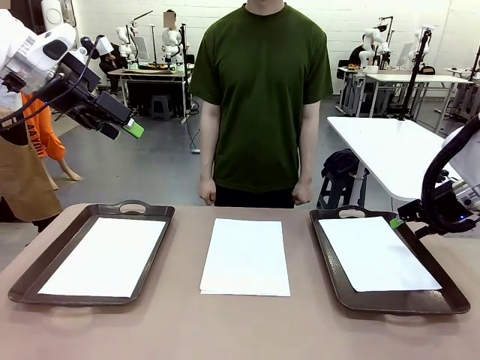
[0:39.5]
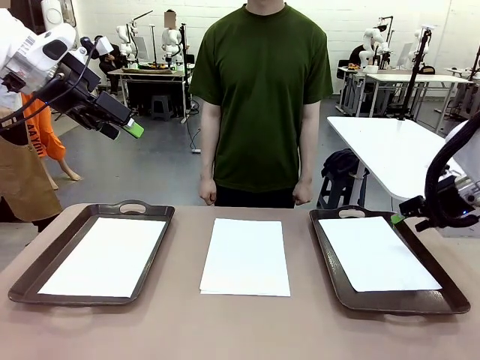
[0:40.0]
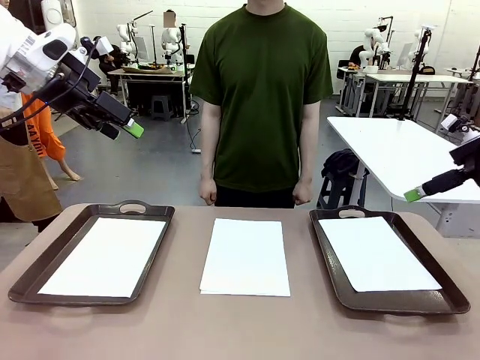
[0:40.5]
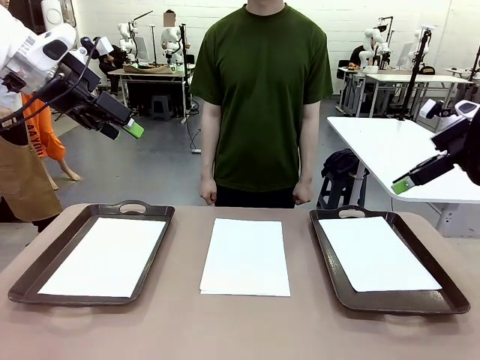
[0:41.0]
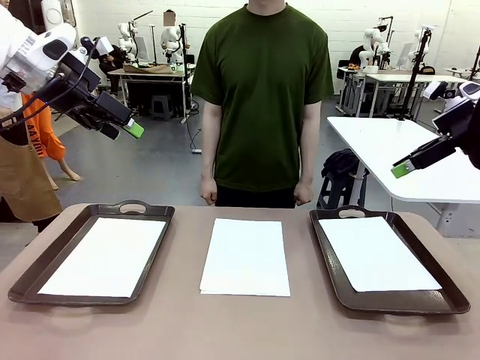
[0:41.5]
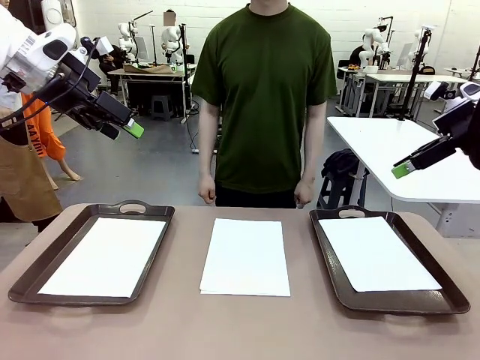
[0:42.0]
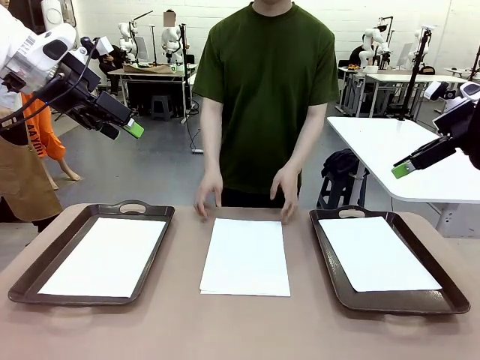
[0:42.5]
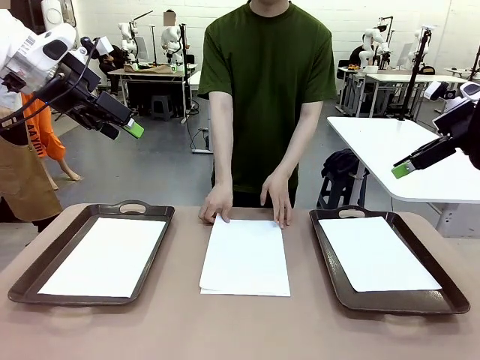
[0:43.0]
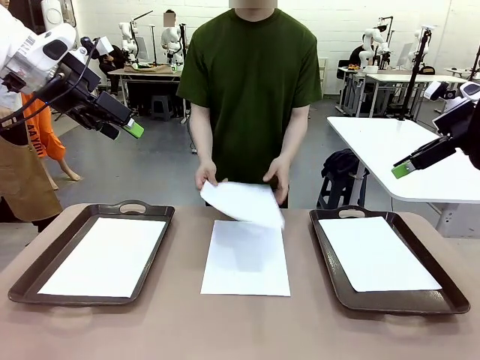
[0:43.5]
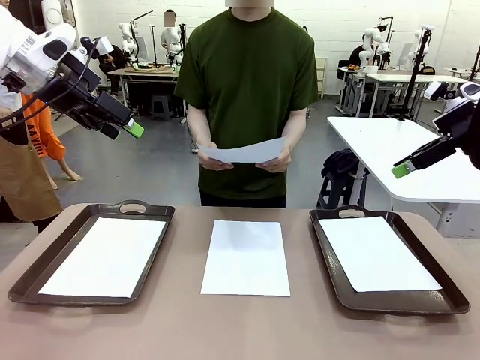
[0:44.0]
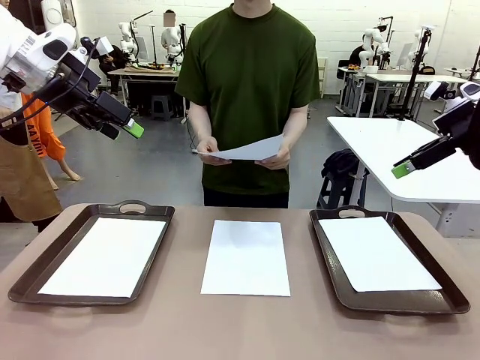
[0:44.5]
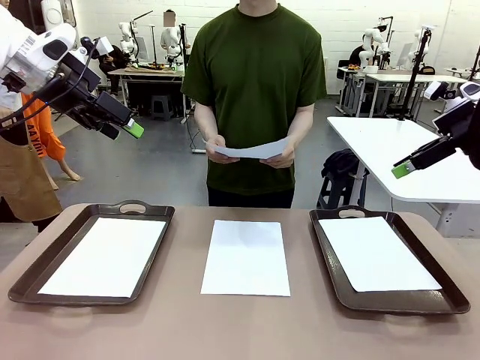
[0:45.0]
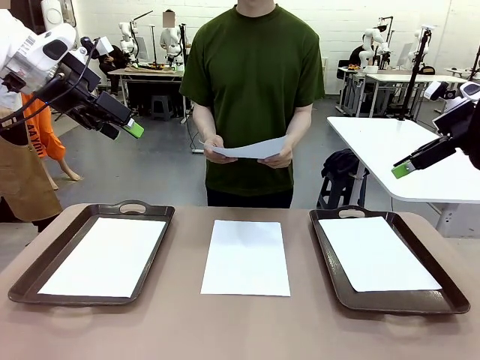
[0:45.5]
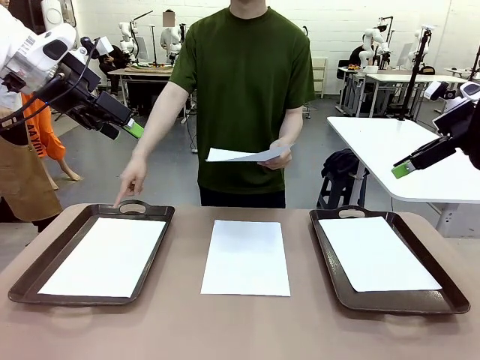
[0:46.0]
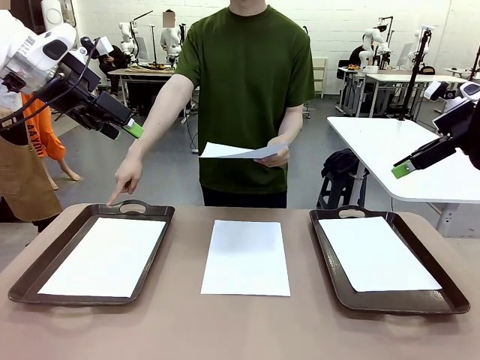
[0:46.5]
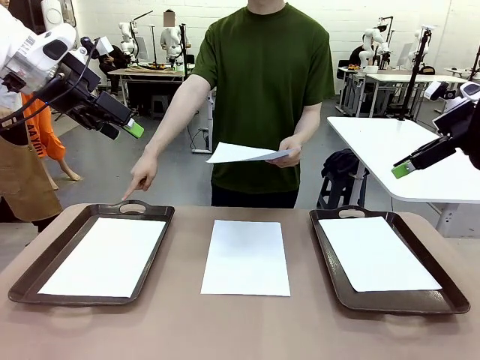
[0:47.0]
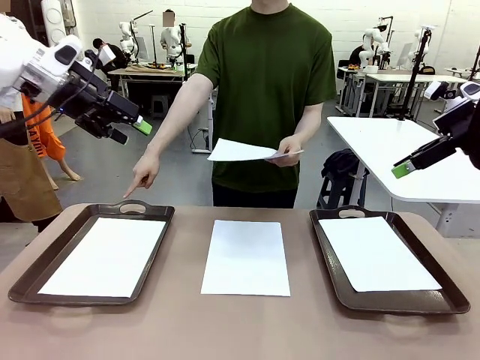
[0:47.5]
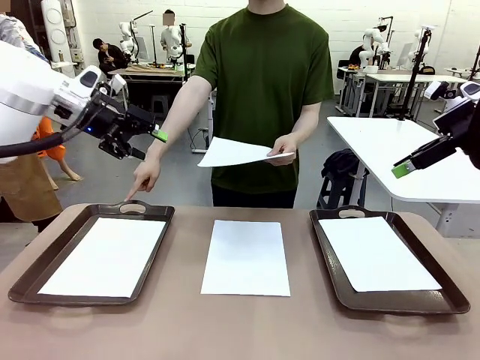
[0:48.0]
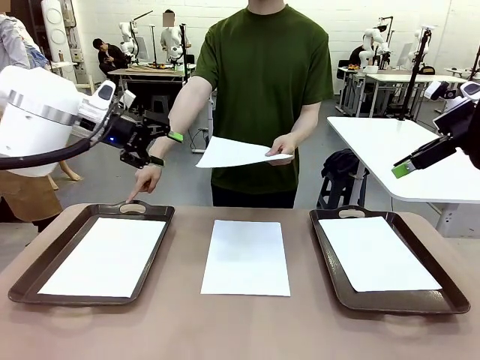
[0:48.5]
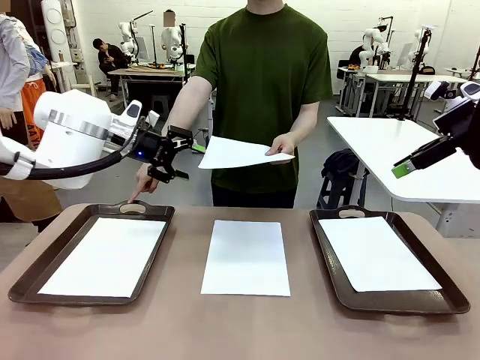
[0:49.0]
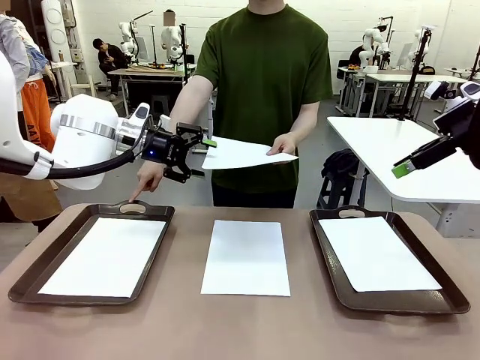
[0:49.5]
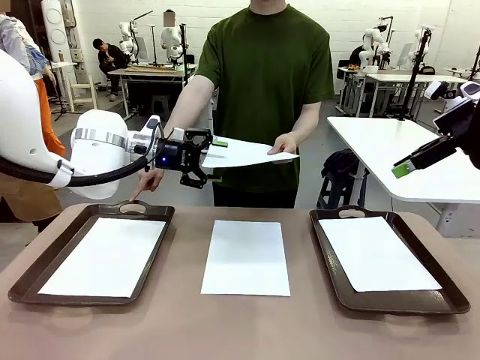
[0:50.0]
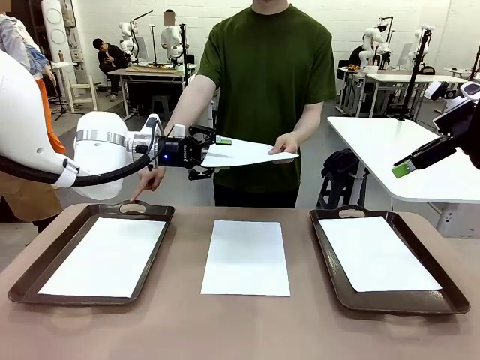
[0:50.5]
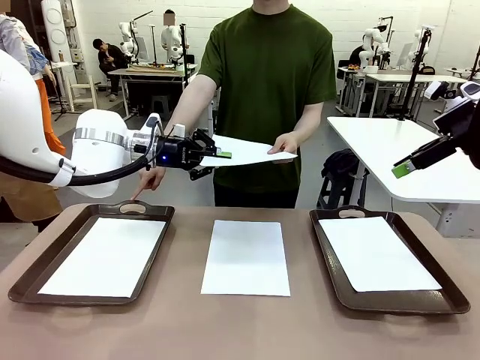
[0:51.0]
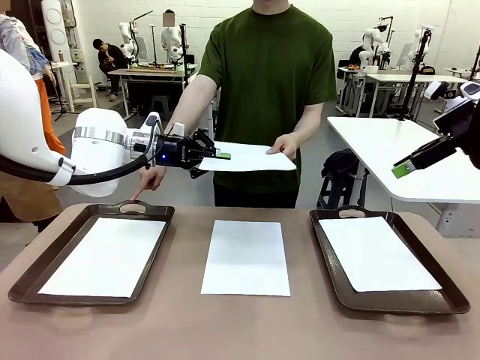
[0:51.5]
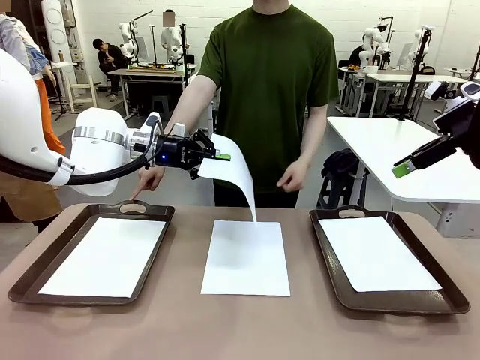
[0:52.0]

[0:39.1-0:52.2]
Task: Sort the A4 documents.
Robot: Receive the A4 Paper.
Person: Point the randomly selected tray with the other hand.

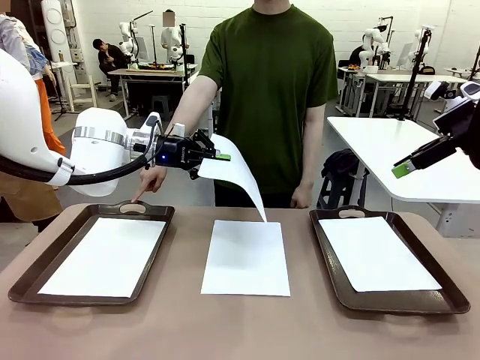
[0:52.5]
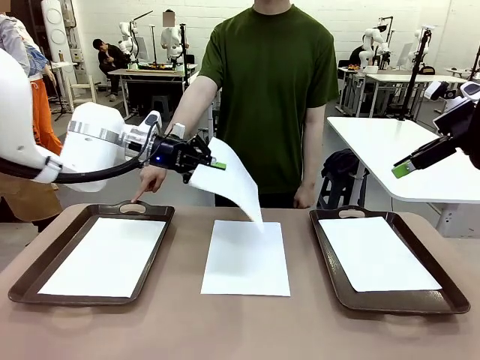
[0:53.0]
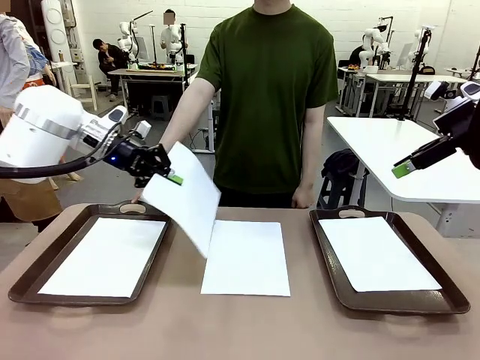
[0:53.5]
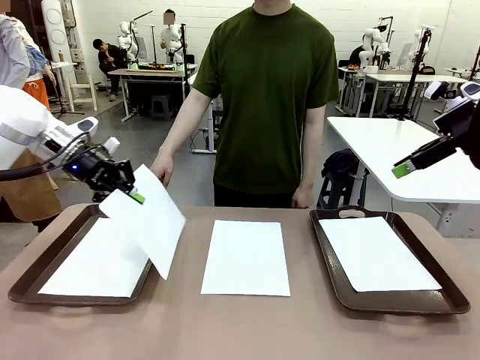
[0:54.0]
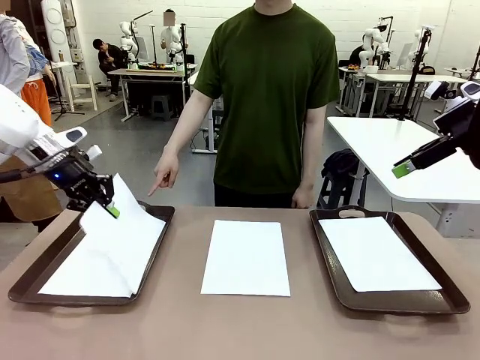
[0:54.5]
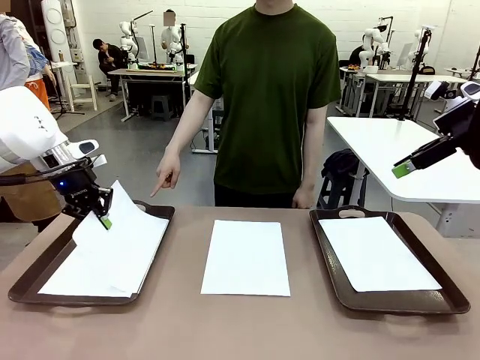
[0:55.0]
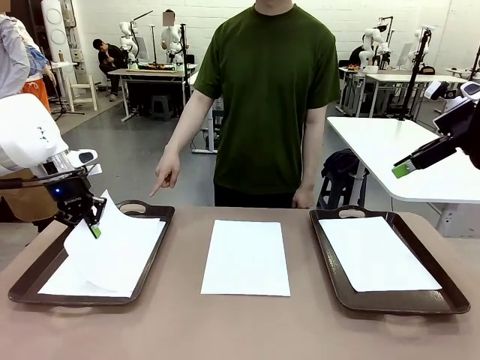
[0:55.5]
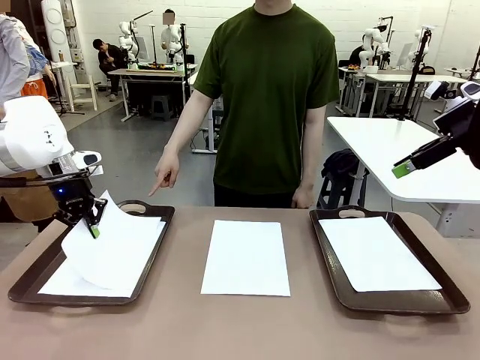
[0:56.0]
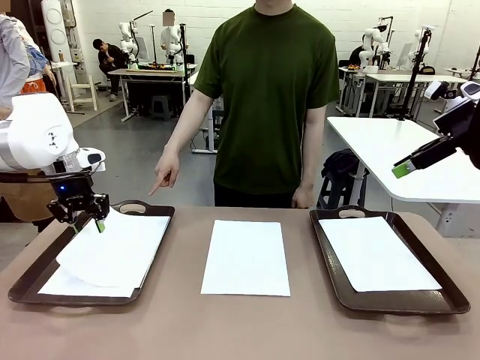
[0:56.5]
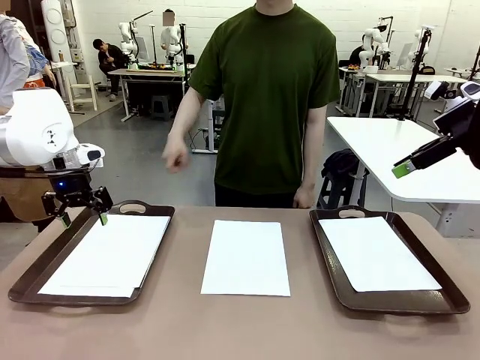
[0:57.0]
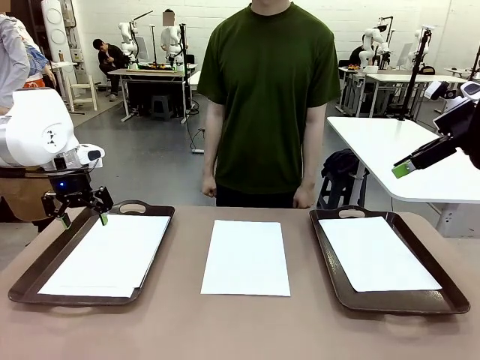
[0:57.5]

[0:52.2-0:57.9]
Robot: Place the A4 Paper in the designated Handle tray.

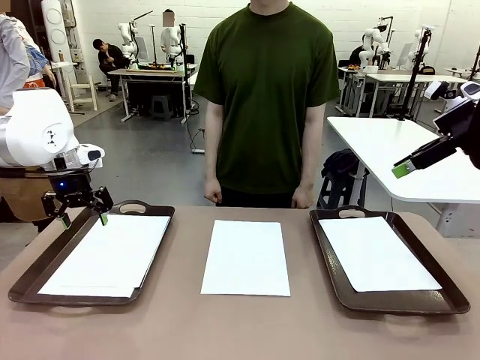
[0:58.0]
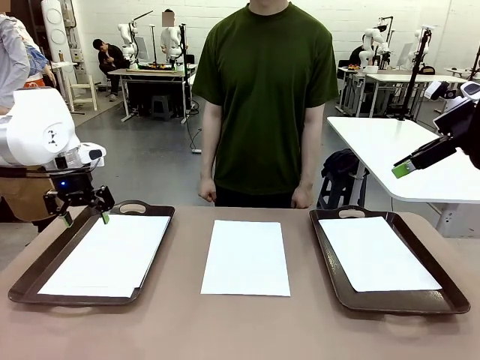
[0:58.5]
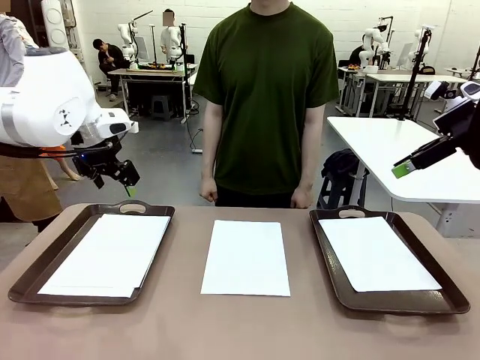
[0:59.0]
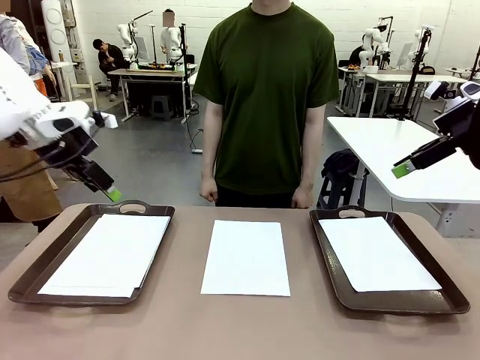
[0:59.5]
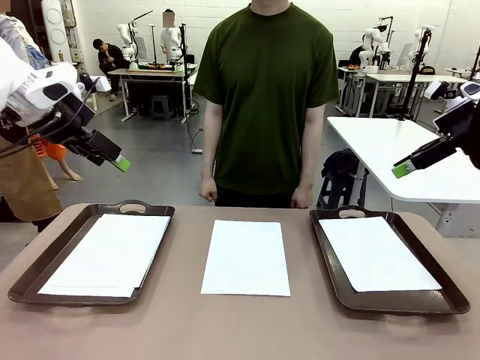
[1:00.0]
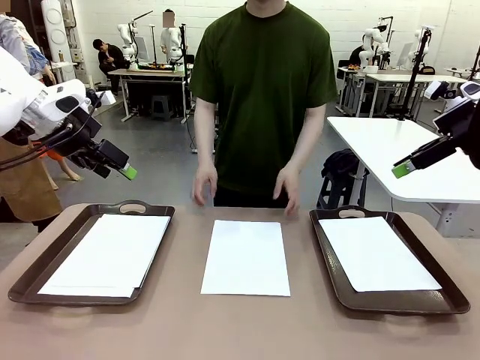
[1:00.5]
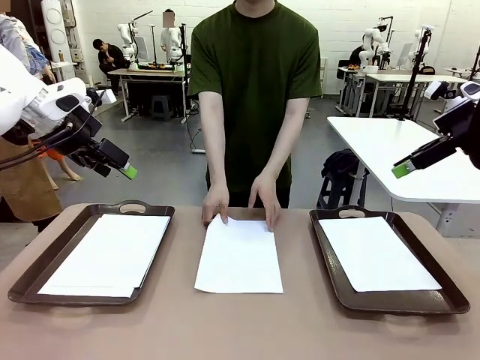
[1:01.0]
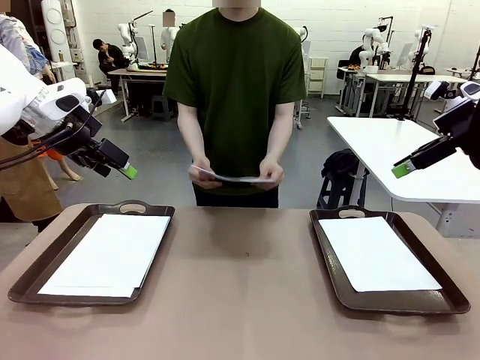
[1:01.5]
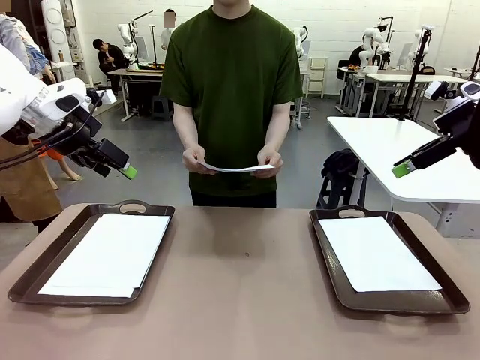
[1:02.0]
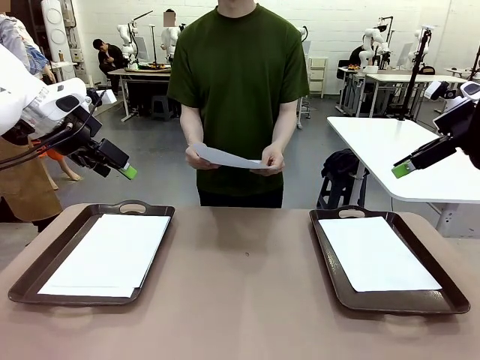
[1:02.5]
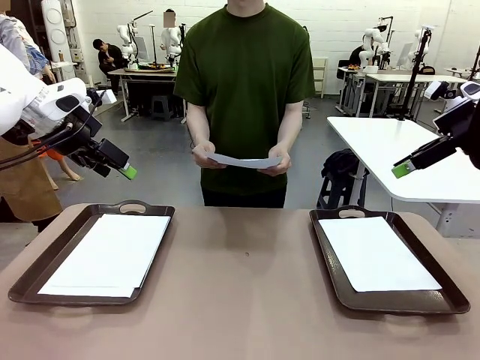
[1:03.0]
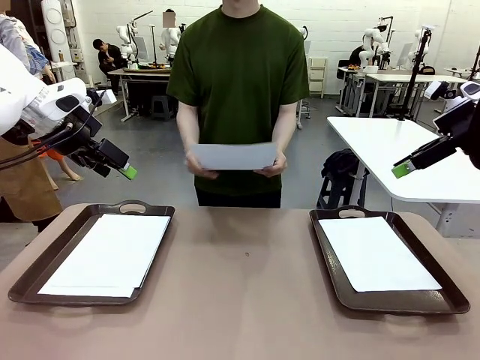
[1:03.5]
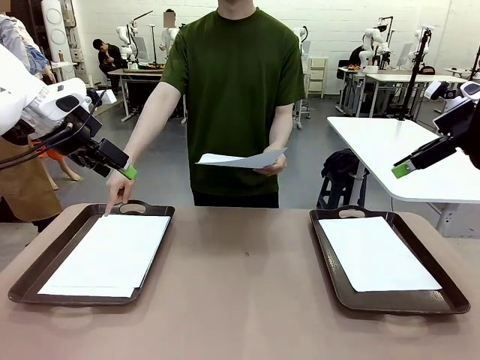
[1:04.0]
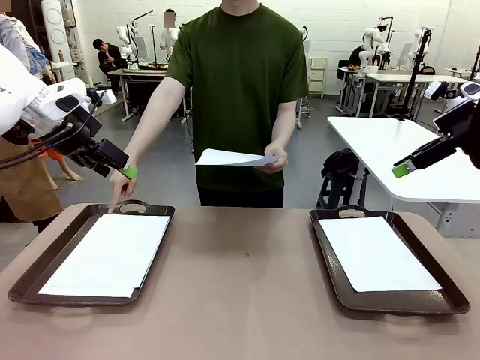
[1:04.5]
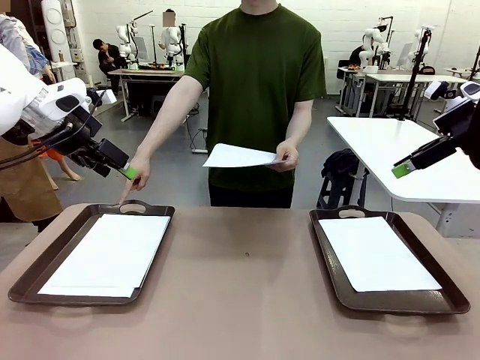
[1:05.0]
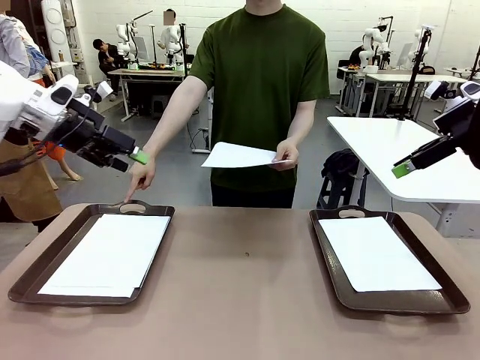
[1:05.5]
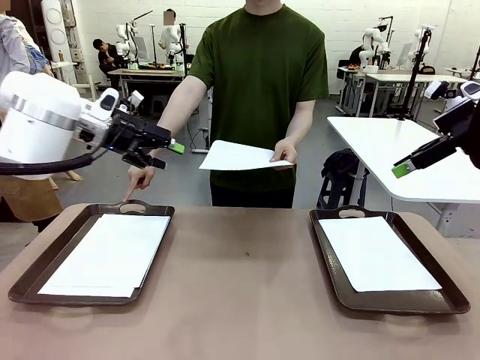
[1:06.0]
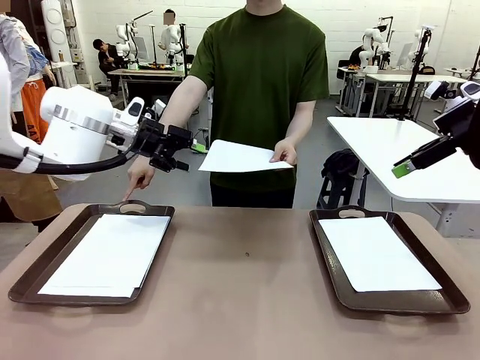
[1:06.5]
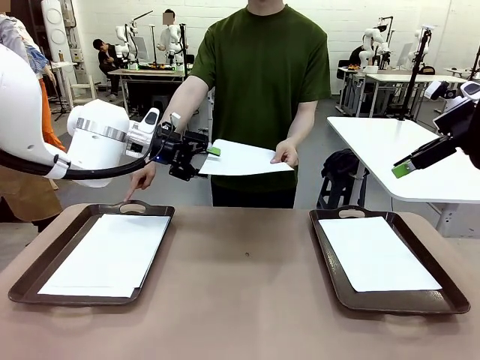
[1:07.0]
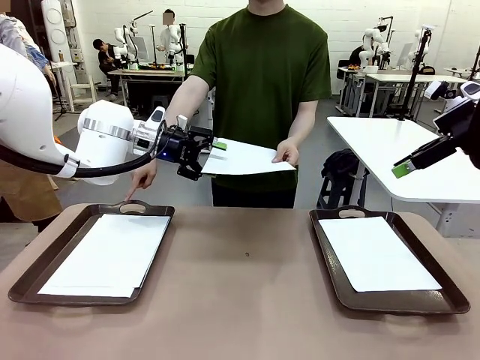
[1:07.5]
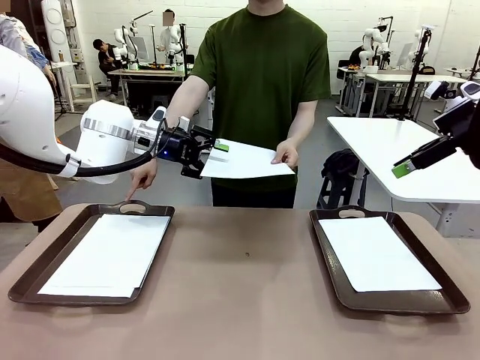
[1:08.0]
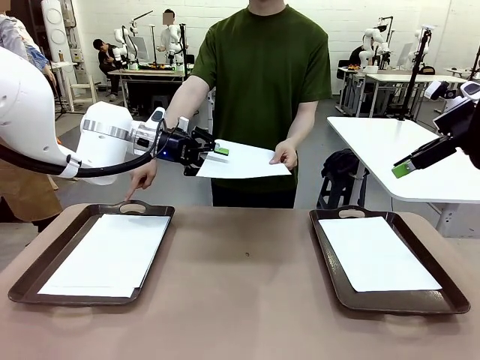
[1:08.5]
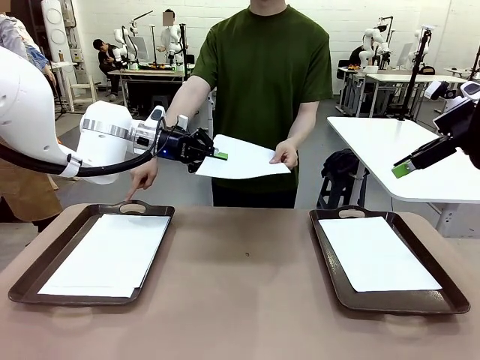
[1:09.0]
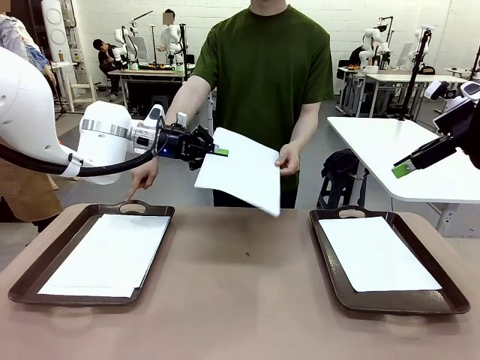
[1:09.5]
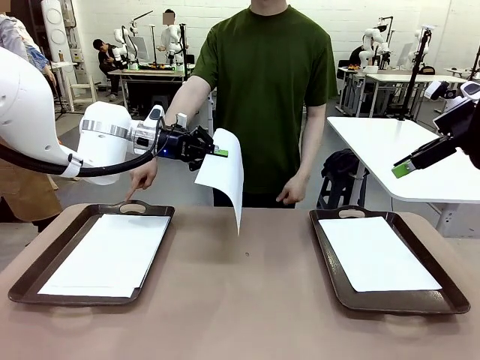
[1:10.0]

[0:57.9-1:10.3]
Robot: Receive the A4 Paper.
Person: Point the randomly selected tray with the other hand.
